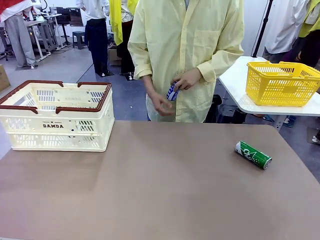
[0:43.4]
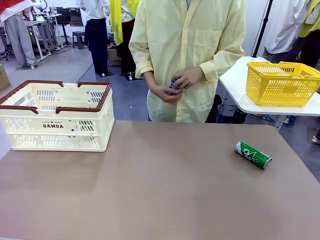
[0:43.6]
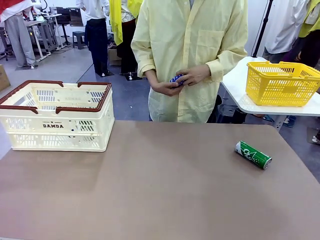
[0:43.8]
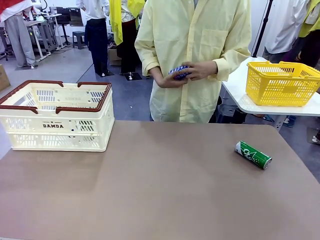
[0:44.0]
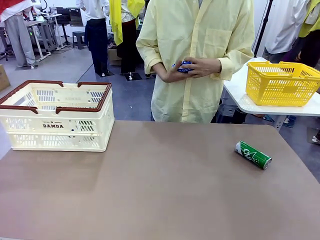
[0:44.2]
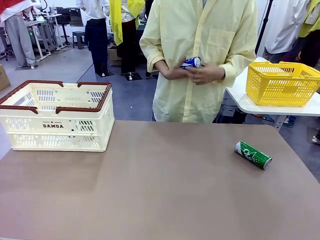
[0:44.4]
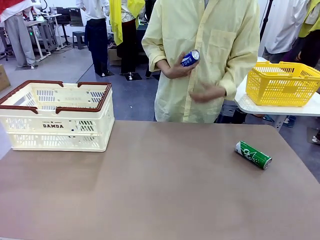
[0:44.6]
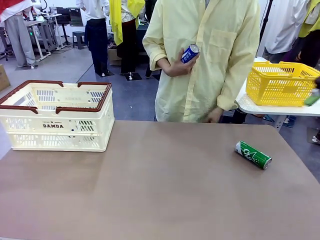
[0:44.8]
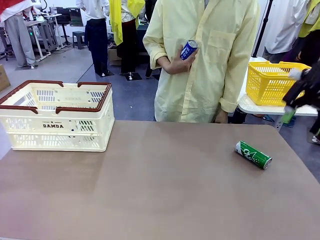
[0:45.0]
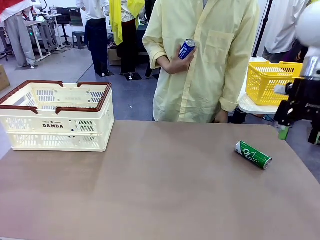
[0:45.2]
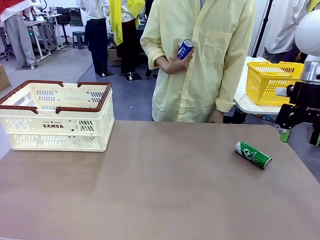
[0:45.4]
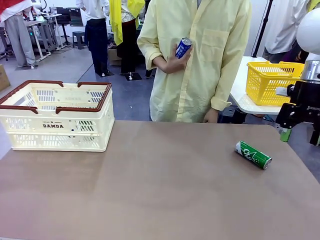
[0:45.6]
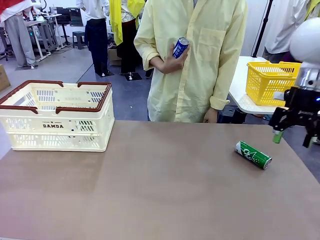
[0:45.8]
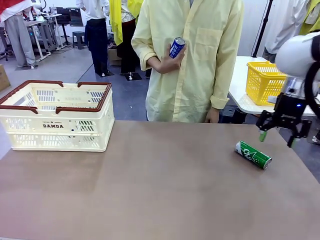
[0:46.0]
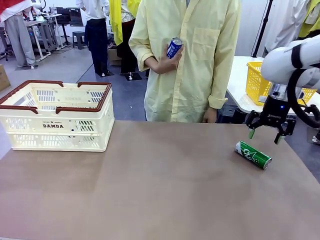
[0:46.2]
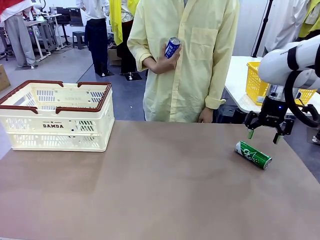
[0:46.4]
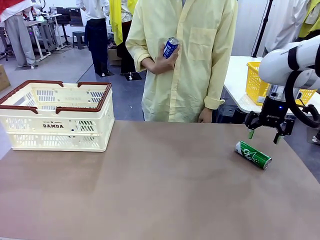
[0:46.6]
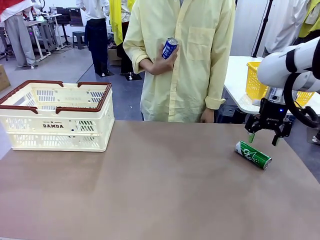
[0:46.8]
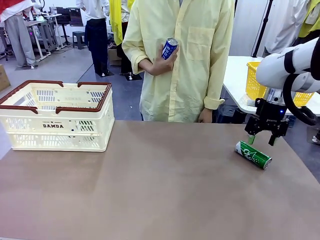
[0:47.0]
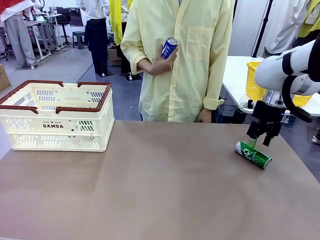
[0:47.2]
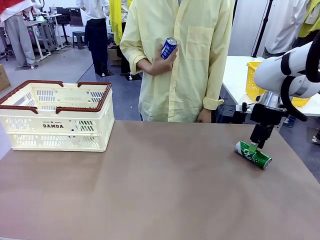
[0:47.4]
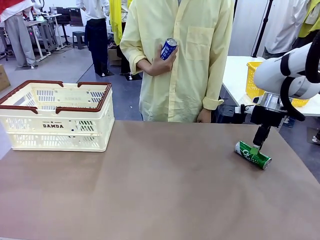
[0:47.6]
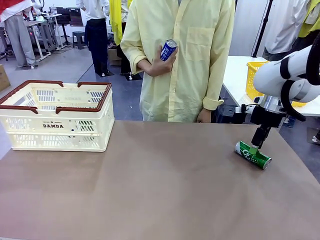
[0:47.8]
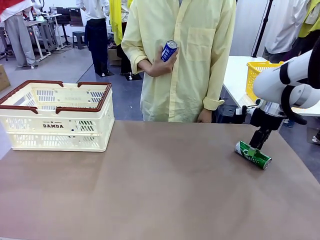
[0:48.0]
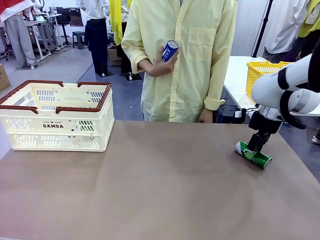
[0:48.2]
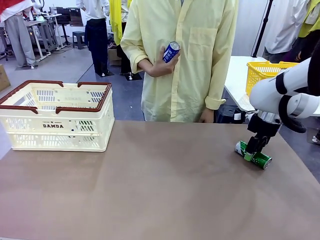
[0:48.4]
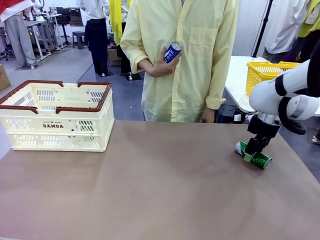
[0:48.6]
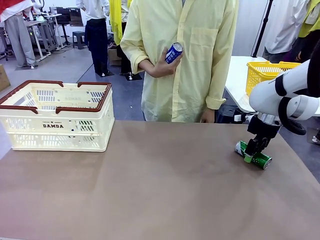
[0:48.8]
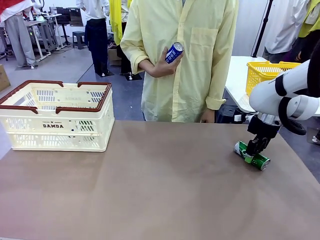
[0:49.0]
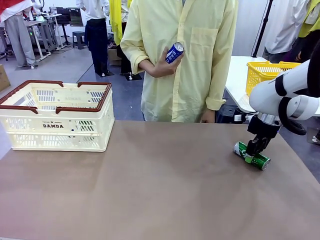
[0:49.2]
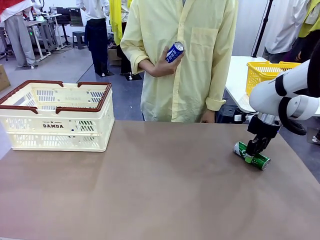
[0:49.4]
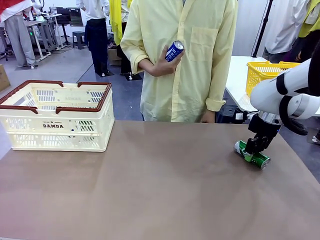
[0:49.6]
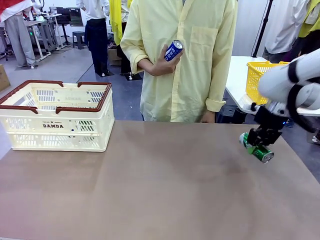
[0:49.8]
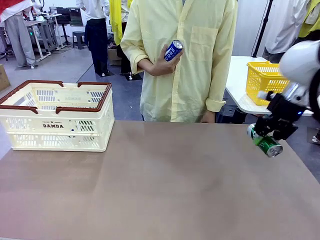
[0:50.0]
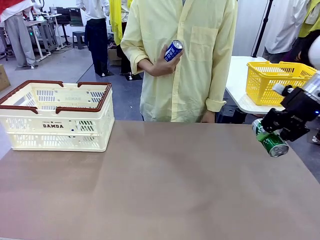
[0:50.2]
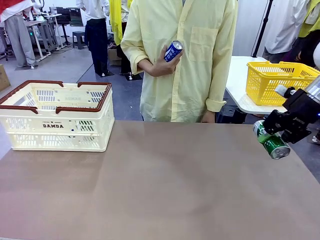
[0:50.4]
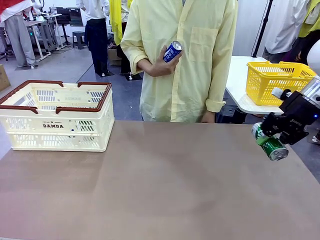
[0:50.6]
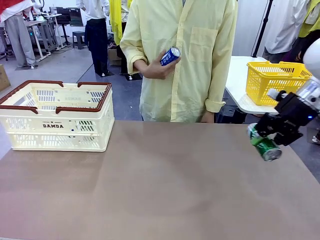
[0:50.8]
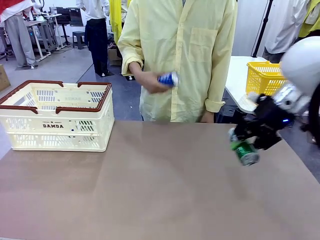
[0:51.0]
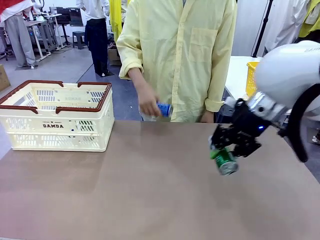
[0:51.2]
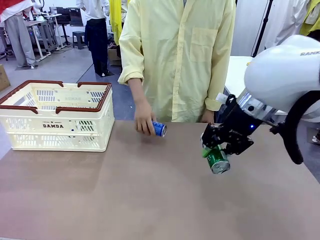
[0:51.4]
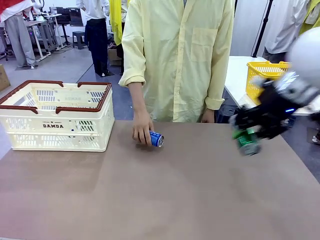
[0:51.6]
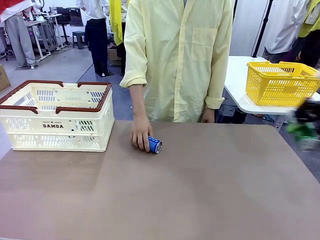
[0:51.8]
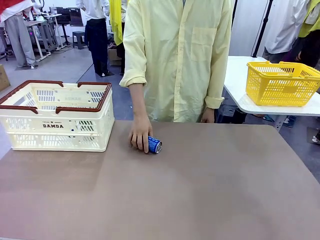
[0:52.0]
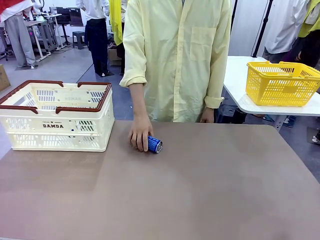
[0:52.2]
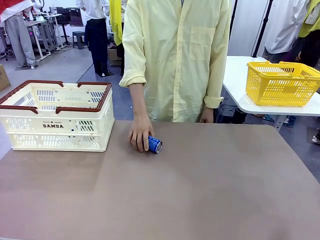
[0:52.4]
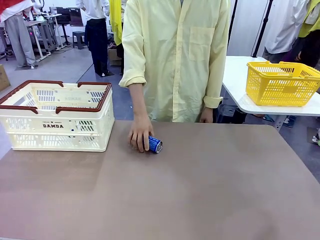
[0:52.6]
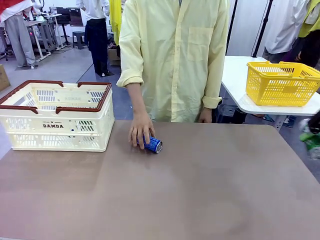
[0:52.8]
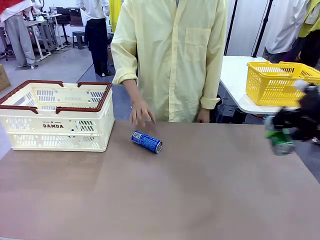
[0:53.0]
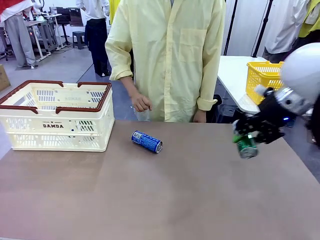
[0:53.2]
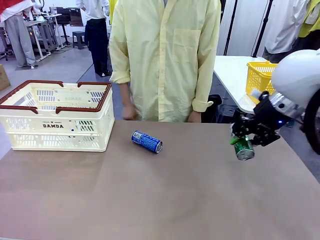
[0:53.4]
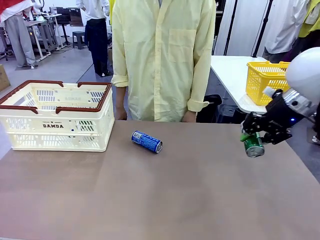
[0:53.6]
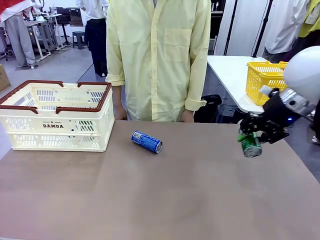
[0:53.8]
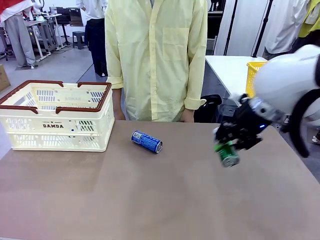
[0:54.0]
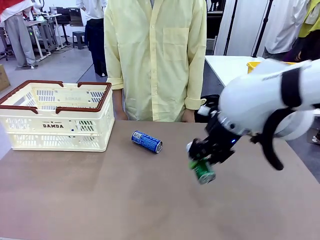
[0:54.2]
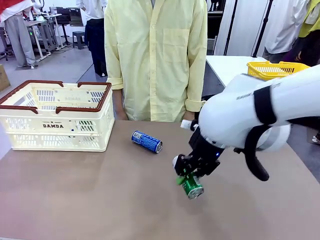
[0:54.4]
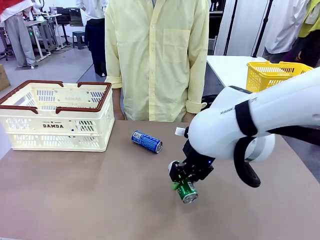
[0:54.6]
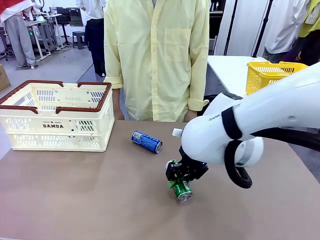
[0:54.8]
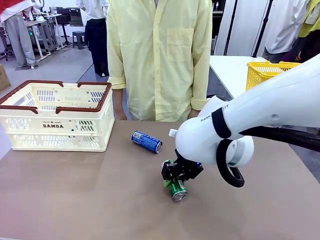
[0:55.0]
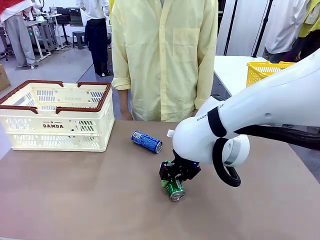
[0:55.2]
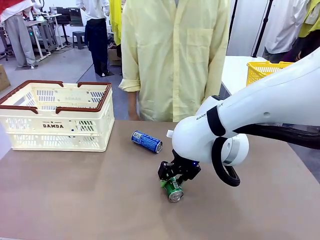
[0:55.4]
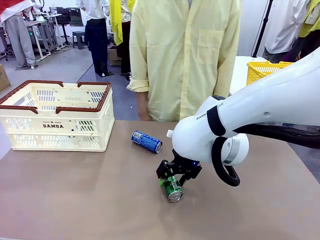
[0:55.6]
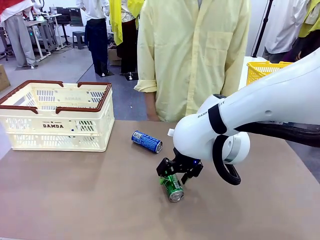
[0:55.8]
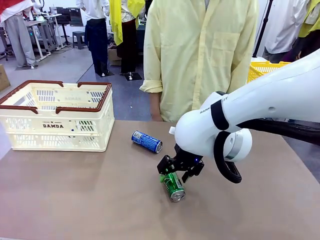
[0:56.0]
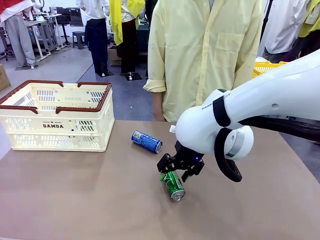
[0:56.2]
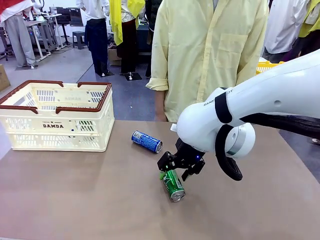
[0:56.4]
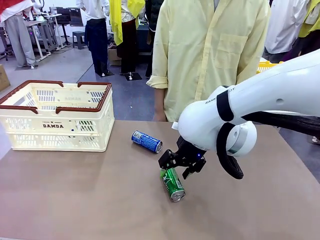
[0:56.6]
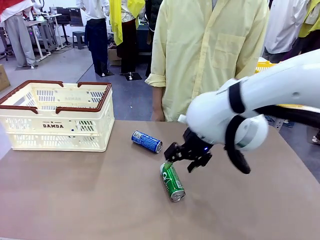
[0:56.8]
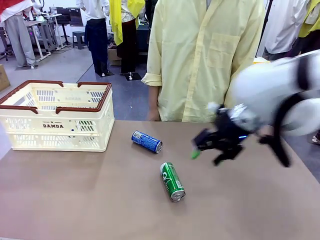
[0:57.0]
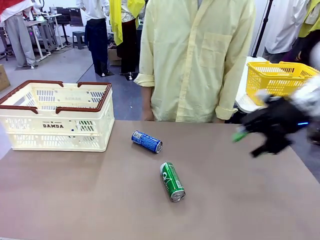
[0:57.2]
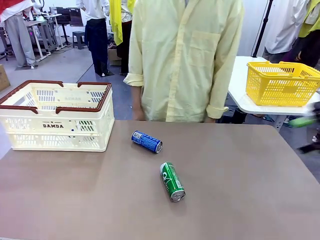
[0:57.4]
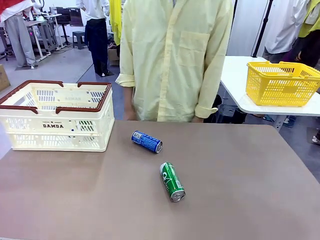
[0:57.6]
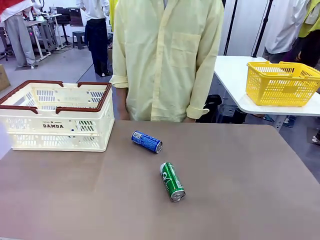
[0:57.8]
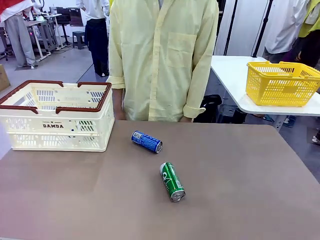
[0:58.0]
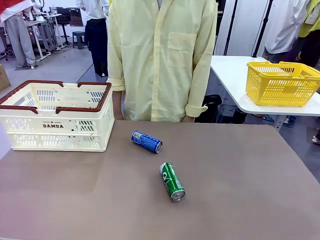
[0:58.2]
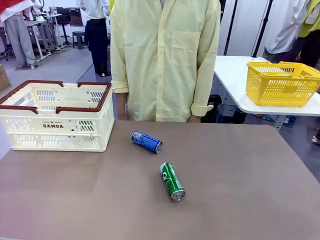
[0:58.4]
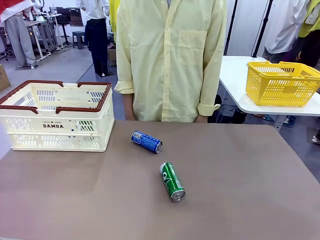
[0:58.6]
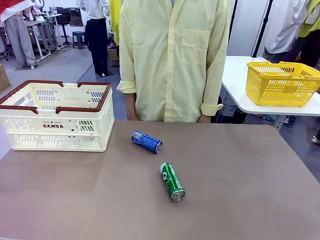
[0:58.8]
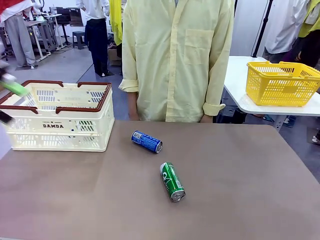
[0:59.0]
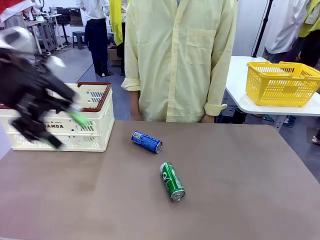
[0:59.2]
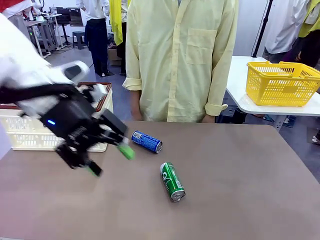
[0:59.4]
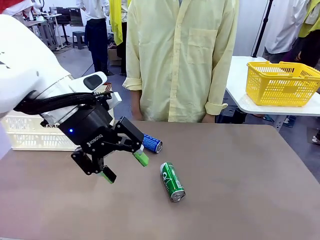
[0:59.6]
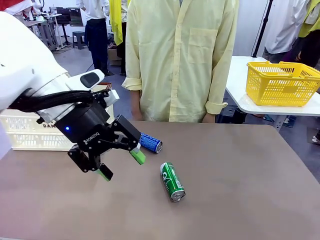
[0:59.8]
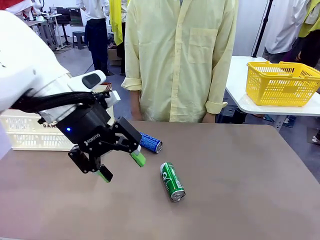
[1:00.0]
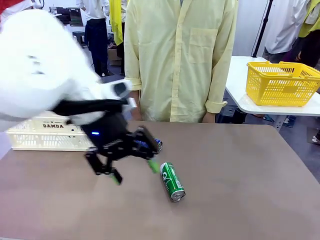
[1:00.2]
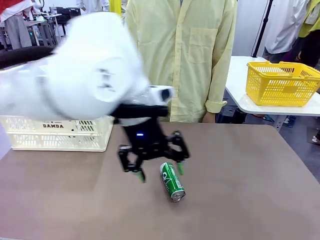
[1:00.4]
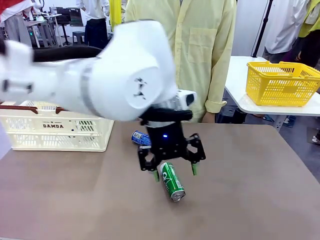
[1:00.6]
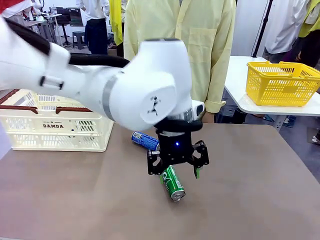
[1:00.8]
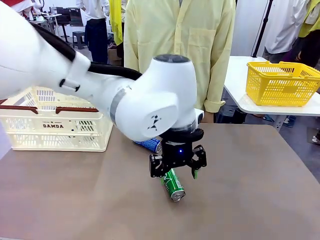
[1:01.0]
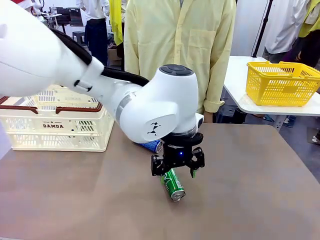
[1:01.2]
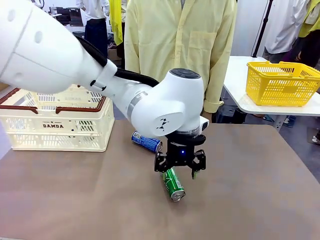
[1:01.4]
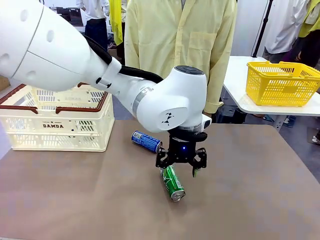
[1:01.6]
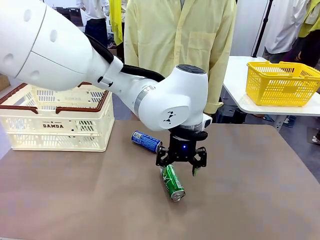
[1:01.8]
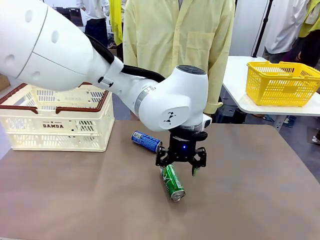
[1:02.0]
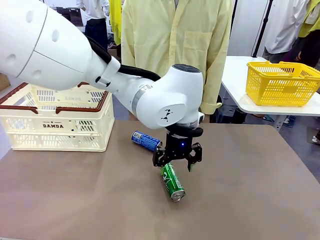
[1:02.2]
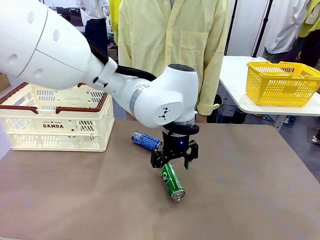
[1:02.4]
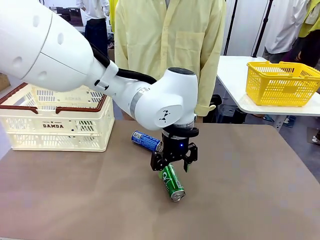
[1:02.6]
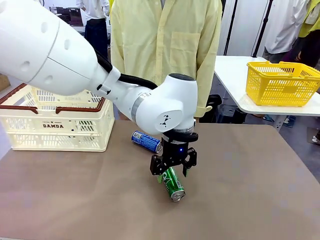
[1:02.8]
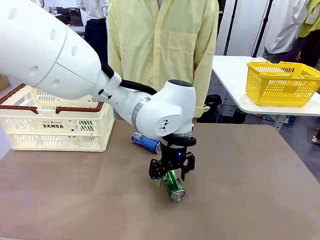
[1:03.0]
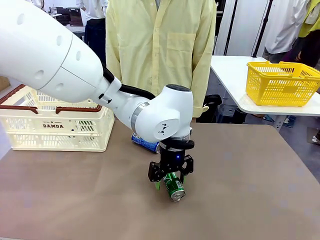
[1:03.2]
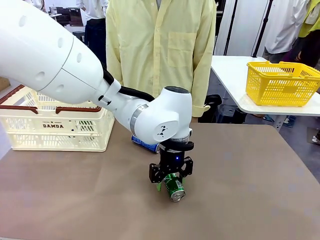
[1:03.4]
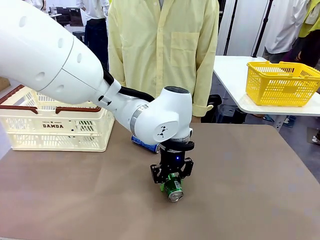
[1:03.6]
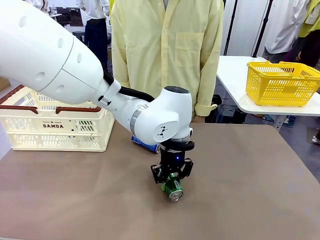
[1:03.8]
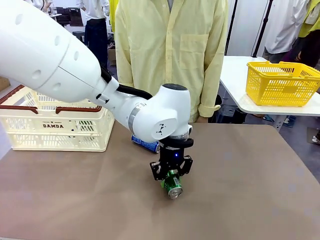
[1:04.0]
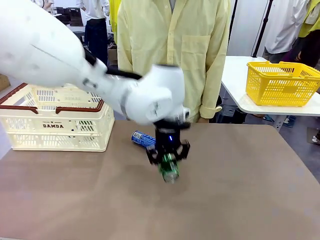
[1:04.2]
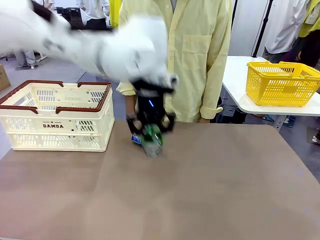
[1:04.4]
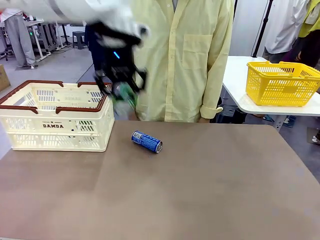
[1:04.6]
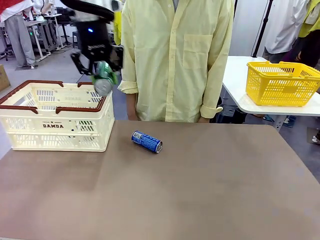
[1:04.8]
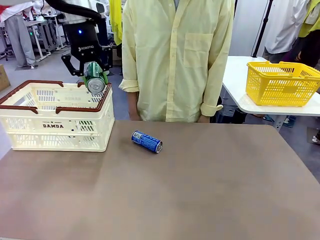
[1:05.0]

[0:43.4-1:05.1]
Task: Place the drinks into the Shopping basket.
Robot: Pick up one drink and place it into the Shopping basket.
